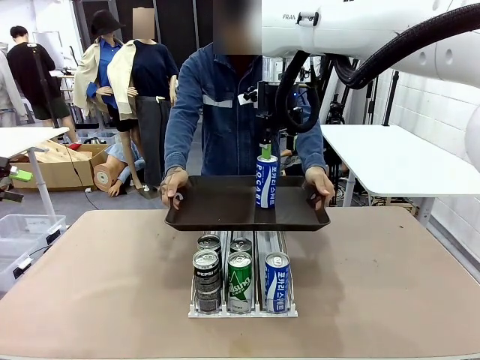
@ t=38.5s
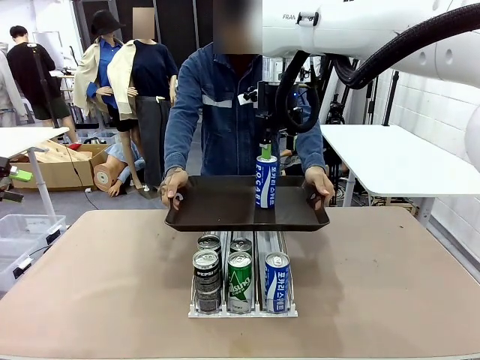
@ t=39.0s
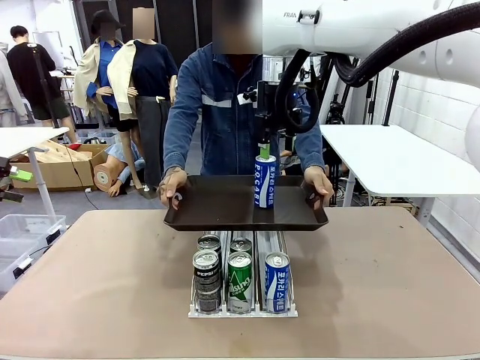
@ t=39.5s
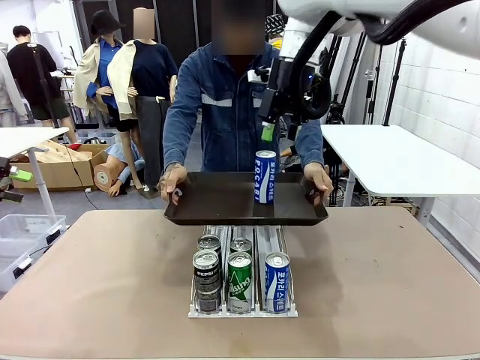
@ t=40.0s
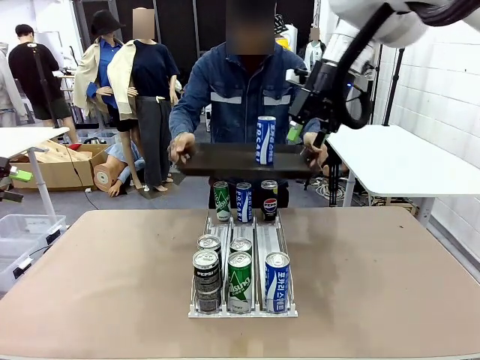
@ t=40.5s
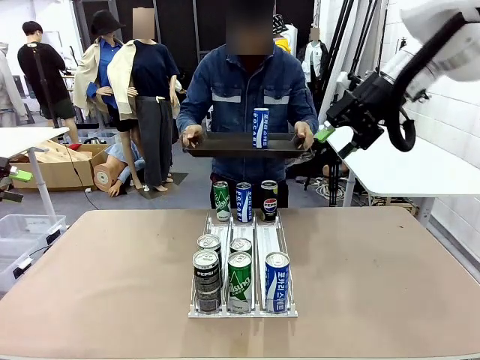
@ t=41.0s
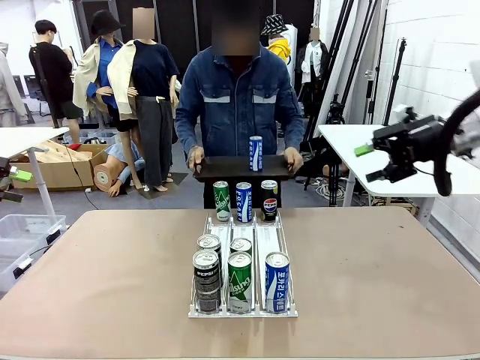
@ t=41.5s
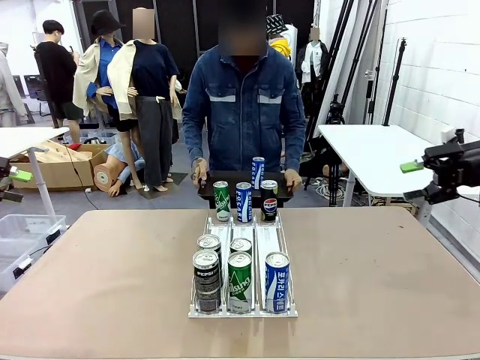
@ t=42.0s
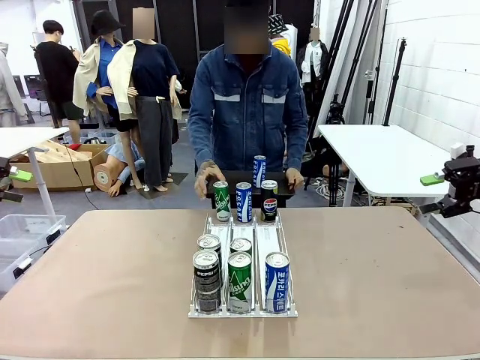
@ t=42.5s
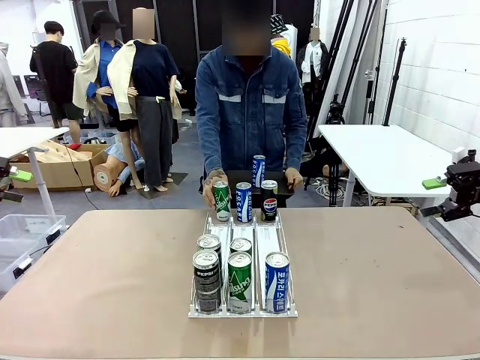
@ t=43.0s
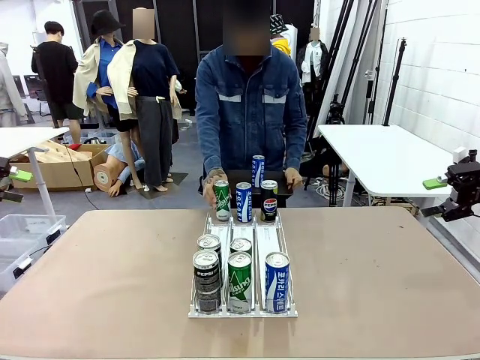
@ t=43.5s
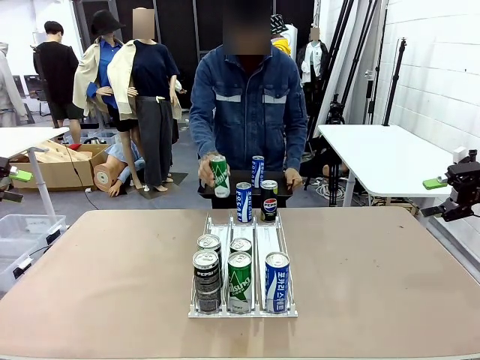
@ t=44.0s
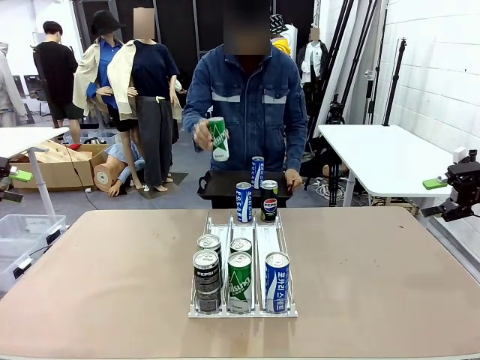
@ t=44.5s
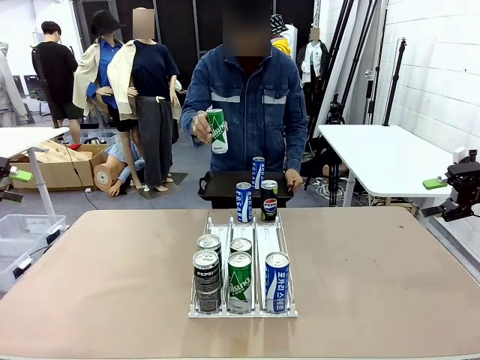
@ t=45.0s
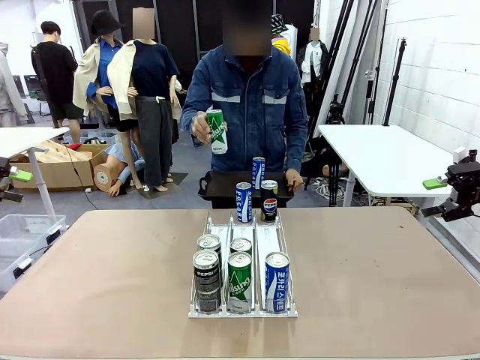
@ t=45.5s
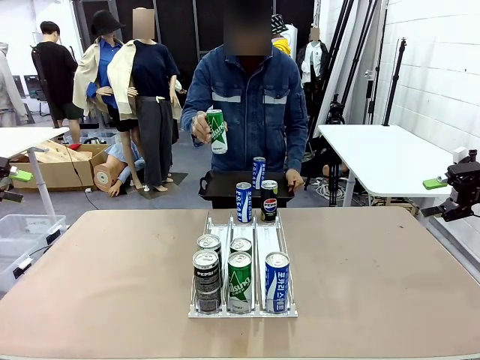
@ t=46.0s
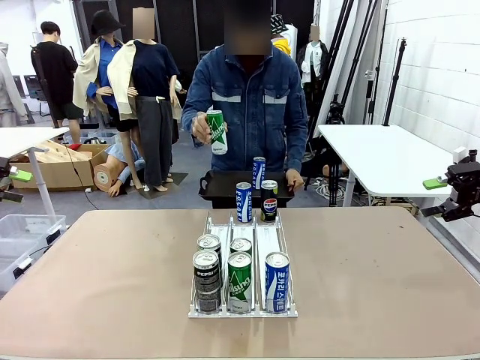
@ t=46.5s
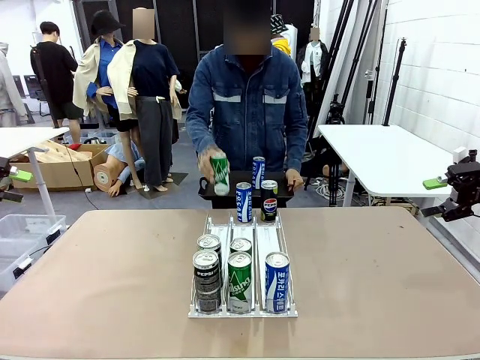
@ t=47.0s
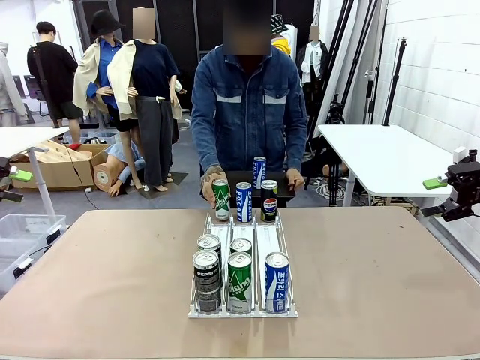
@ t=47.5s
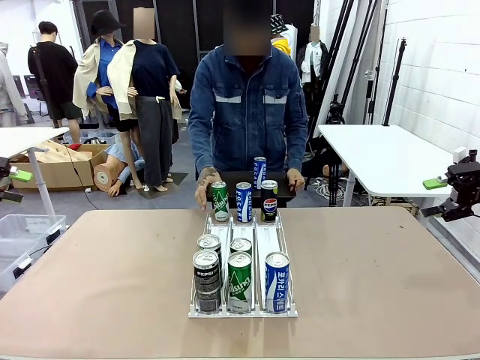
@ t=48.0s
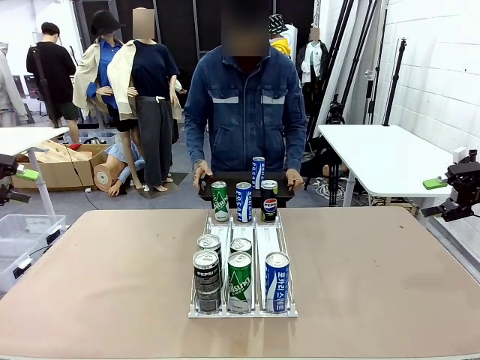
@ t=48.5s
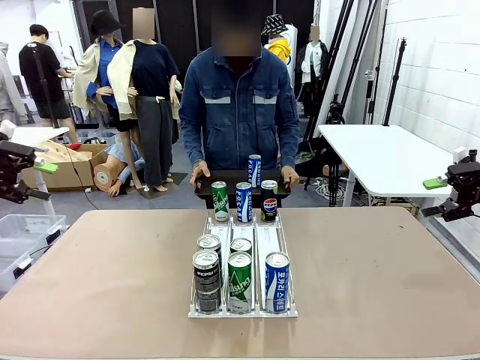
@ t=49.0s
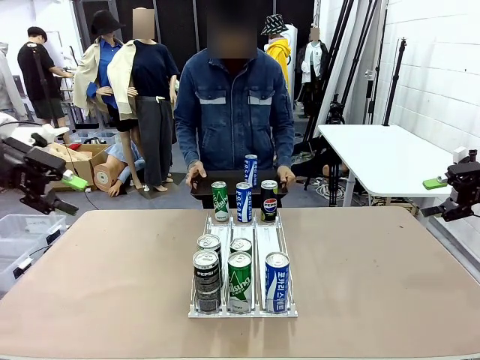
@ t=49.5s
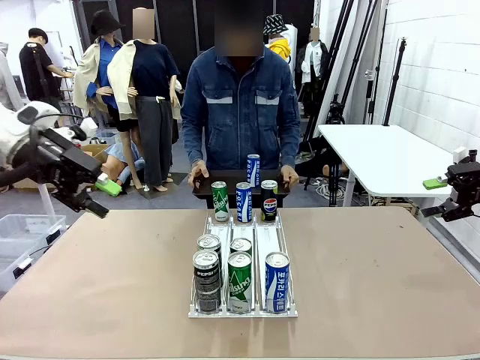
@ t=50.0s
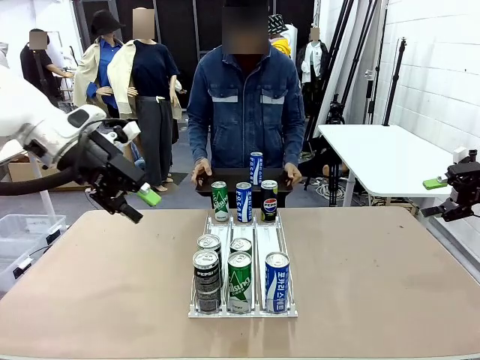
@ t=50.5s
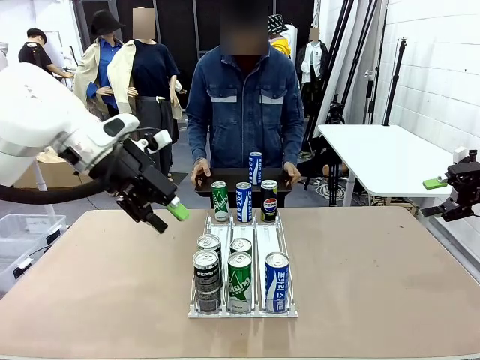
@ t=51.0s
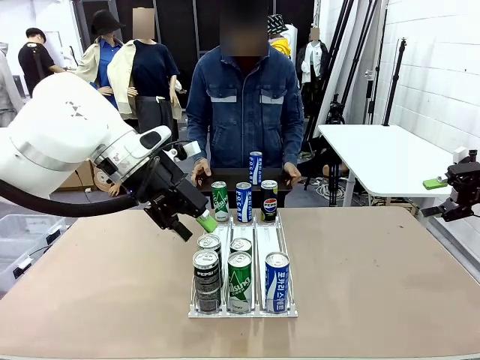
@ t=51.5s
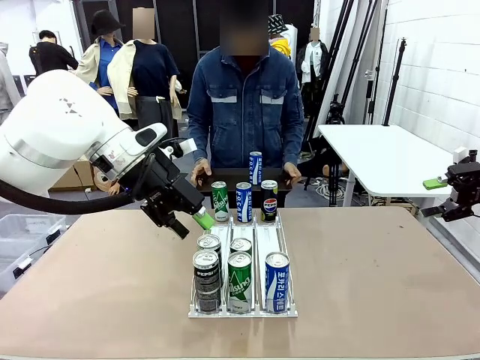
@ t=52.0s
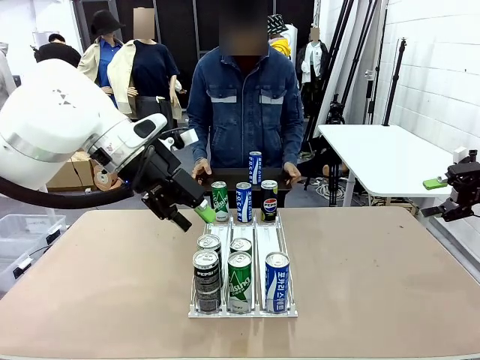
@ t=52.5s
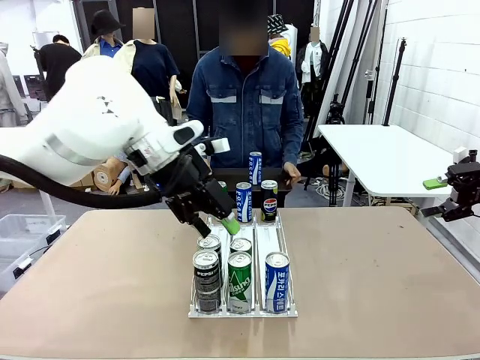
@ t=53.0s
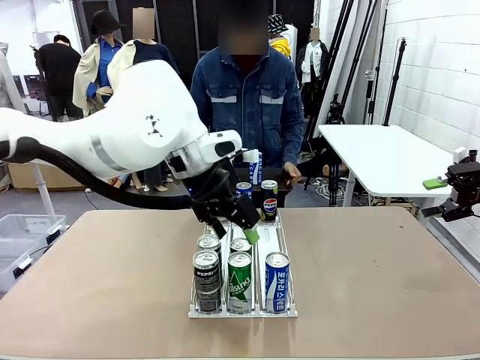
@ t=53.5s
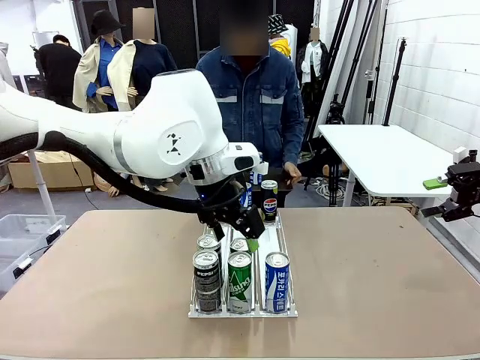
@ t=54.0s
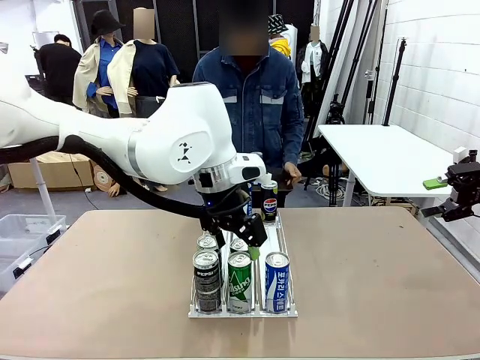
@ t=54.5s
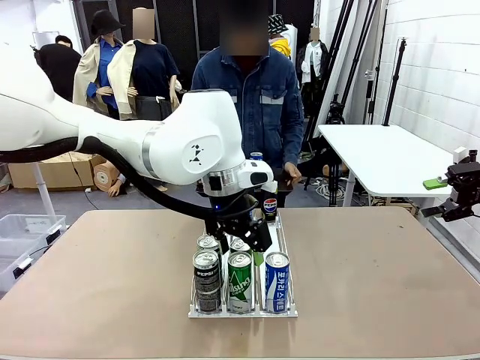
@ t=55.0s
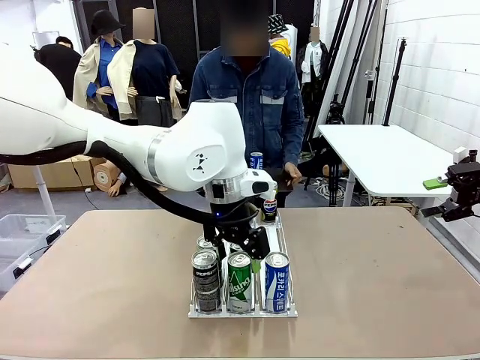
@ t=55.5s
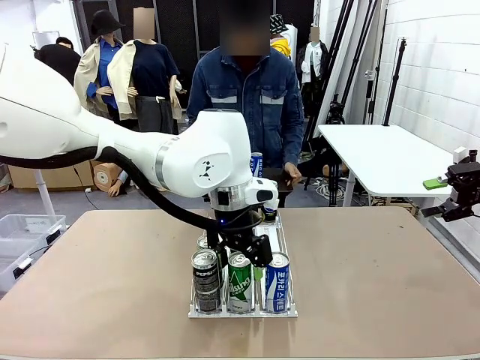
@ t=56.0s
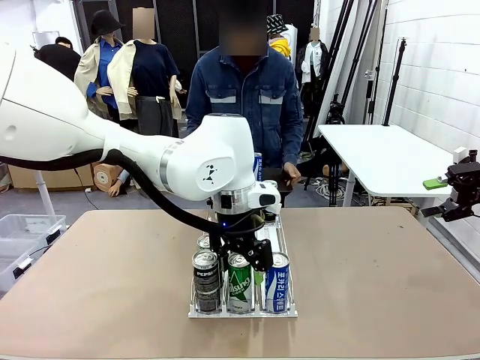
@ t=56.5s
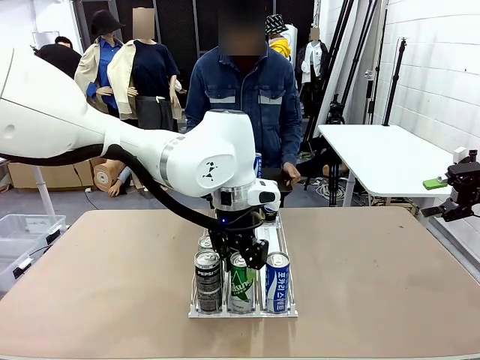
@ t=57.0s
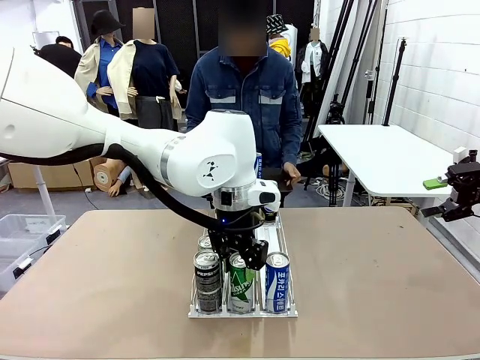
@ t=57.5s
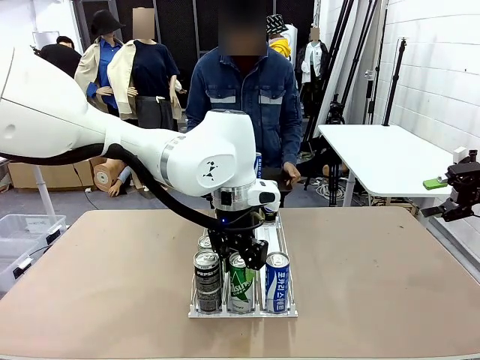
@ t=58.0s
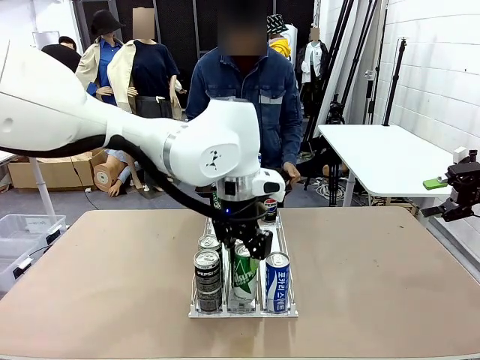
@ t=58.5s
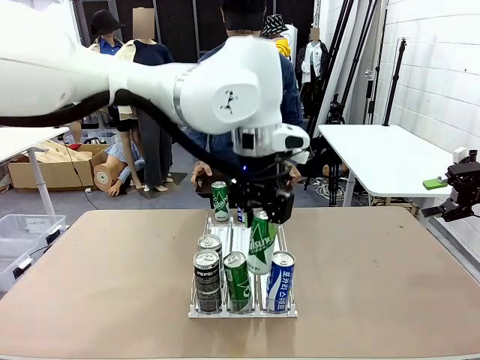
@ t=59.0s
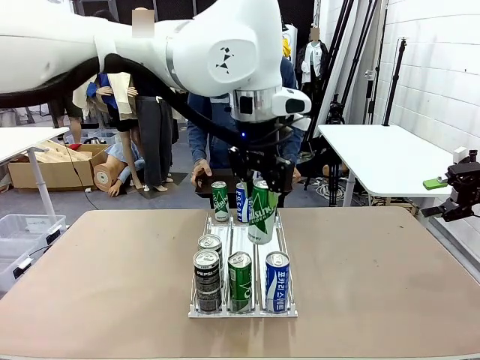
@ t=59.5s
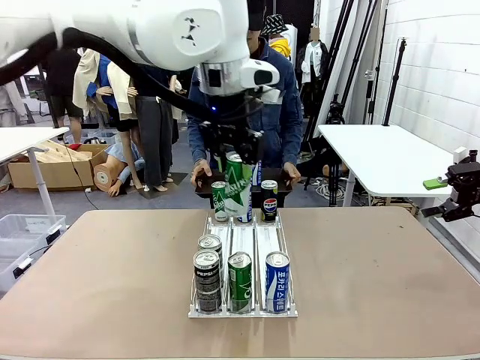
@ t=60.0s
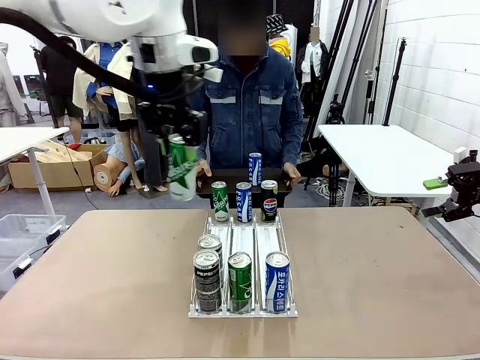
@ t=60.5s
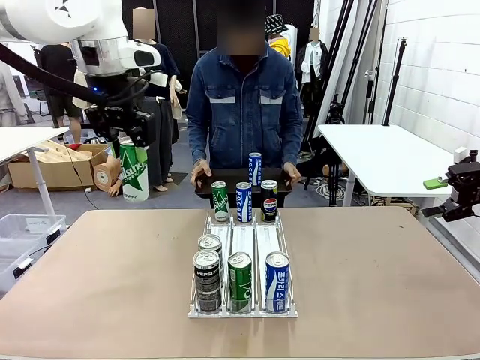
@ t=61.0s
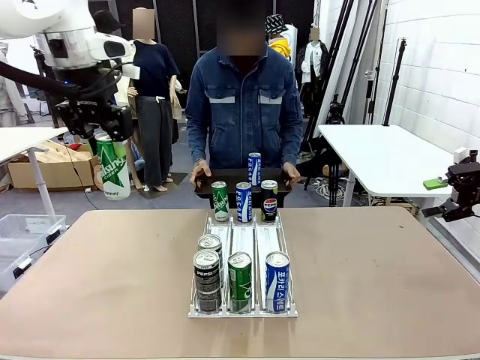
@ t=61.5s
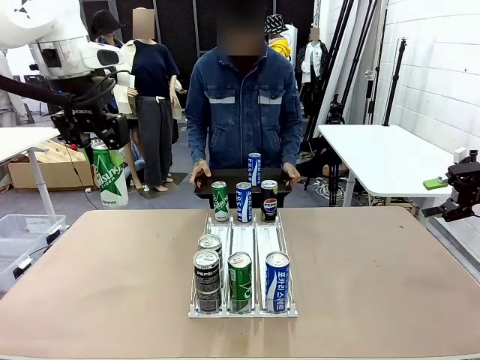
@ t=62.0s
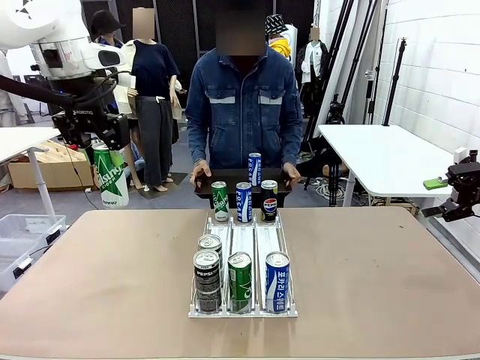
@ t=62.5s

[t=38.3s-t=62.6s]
Task: Retrieve and hand over the desired beverage to the person.
Robot: Pick up another can of the same type that the person held from the Automatic Can Dispenser.
Person: Pull the tray back, then pick up another can from the bottom area of the table and puts it back in its original place. Push the tray toward the robot again.
